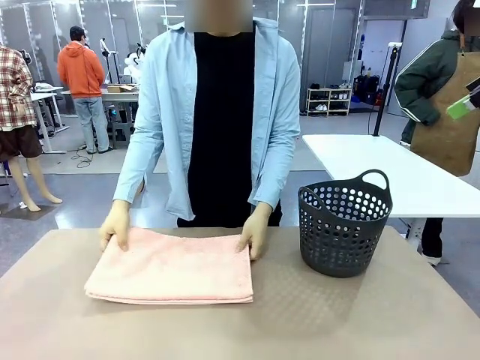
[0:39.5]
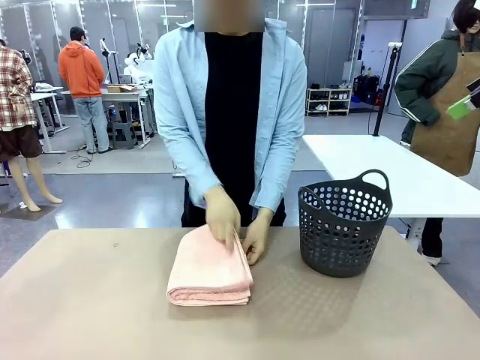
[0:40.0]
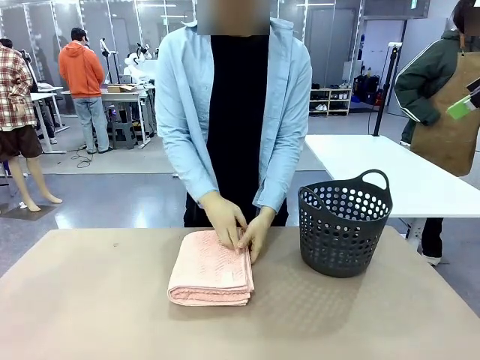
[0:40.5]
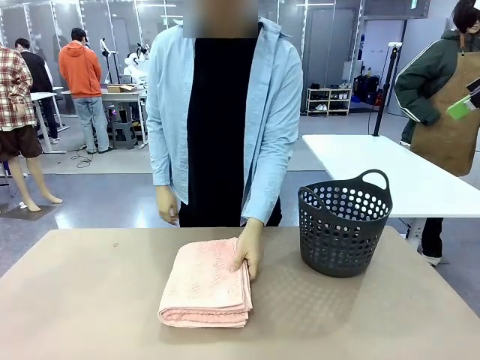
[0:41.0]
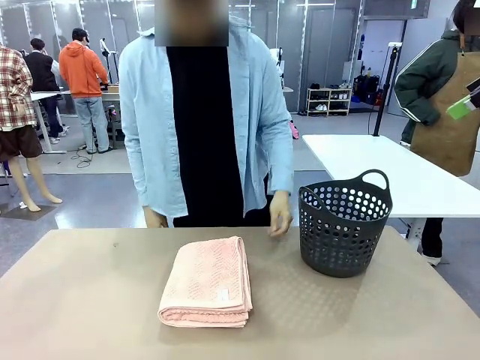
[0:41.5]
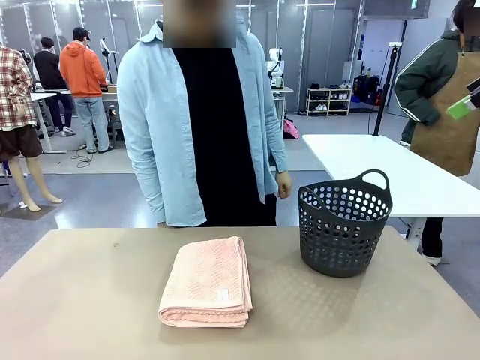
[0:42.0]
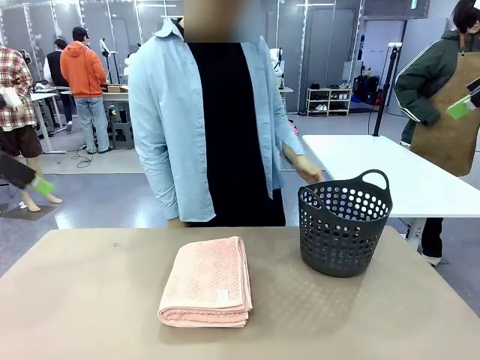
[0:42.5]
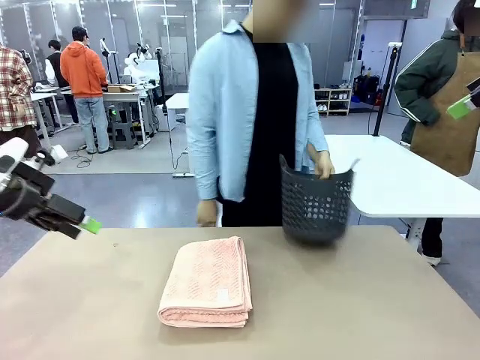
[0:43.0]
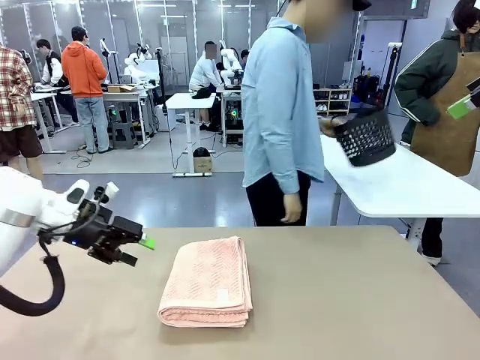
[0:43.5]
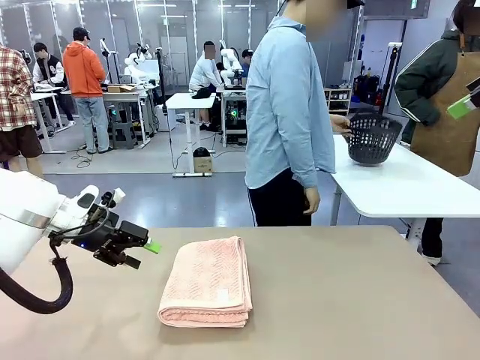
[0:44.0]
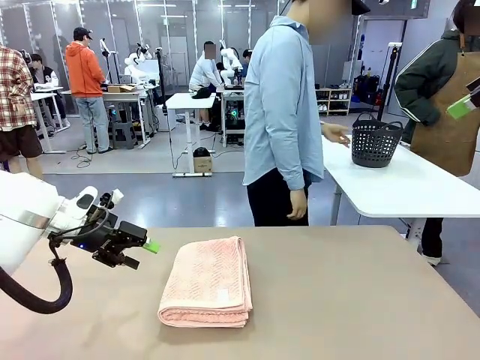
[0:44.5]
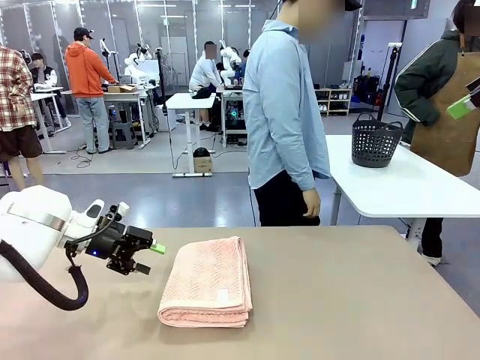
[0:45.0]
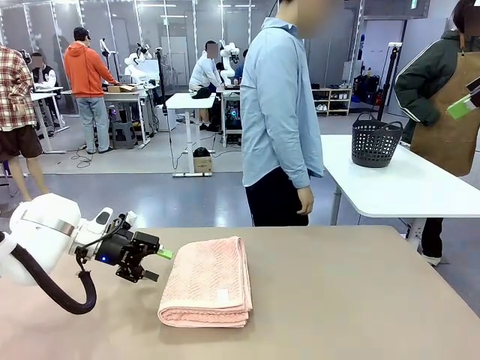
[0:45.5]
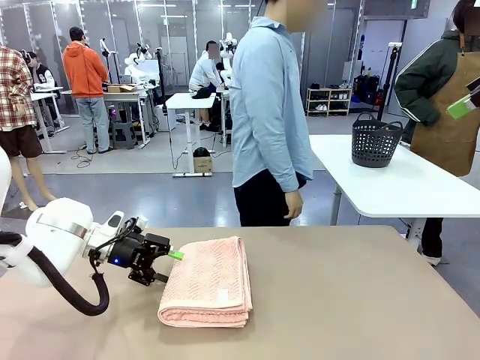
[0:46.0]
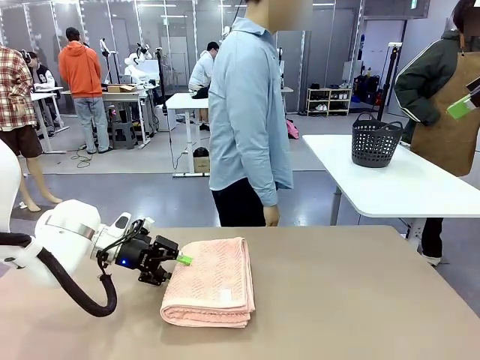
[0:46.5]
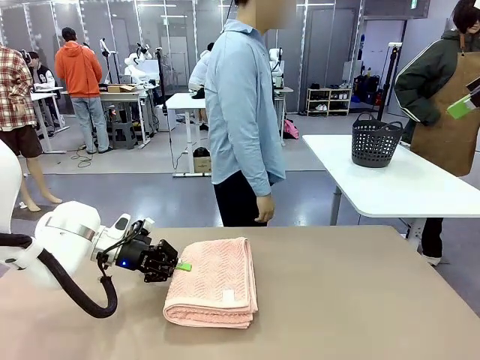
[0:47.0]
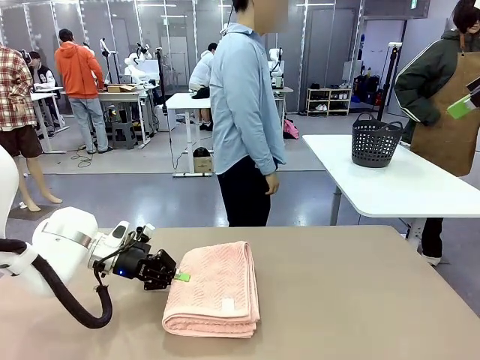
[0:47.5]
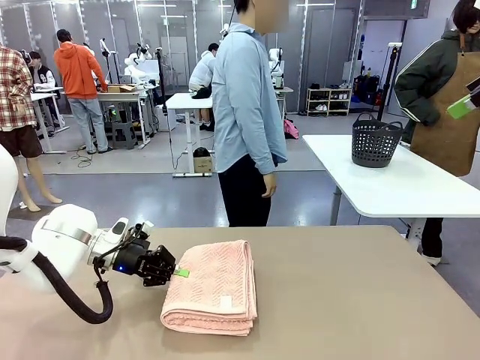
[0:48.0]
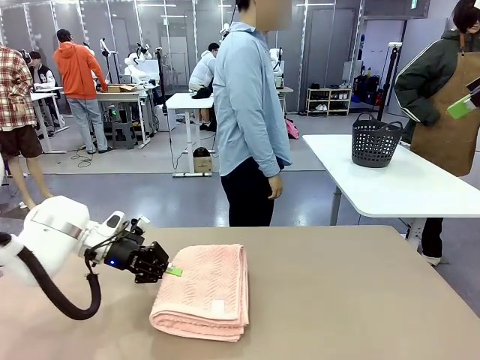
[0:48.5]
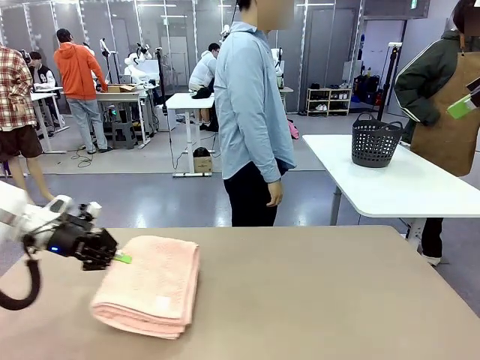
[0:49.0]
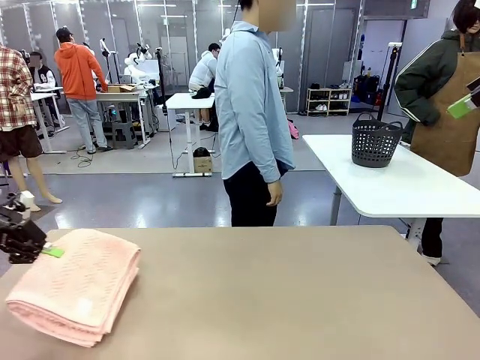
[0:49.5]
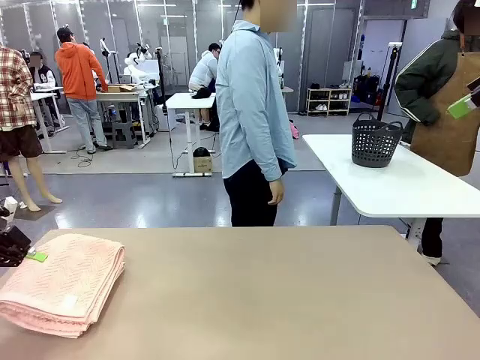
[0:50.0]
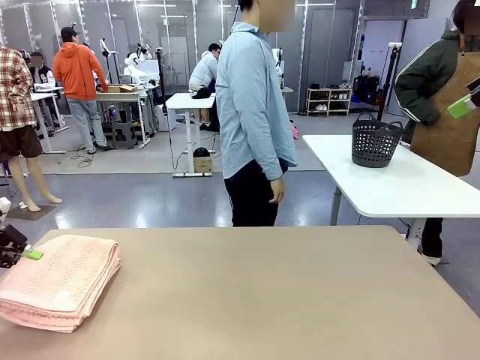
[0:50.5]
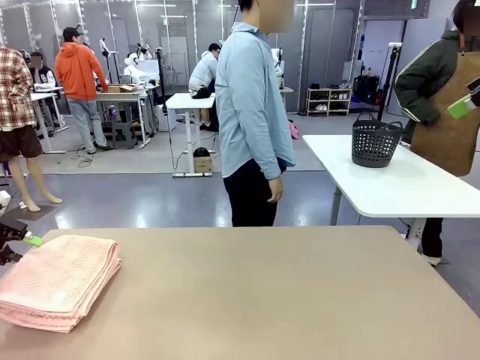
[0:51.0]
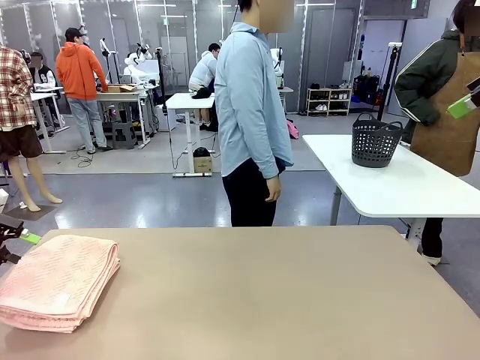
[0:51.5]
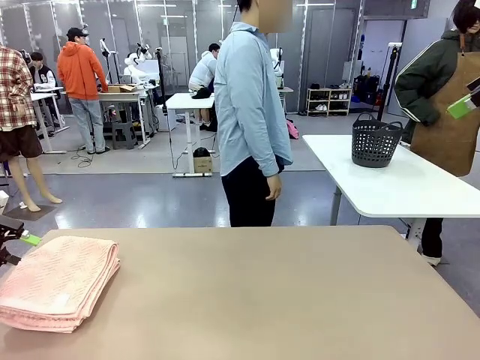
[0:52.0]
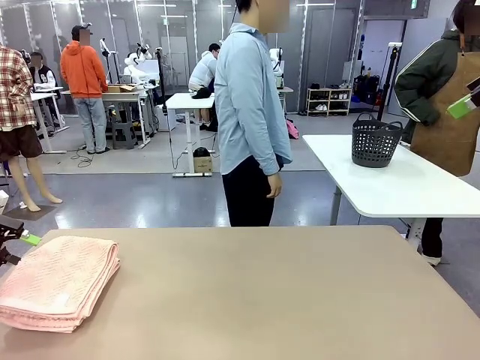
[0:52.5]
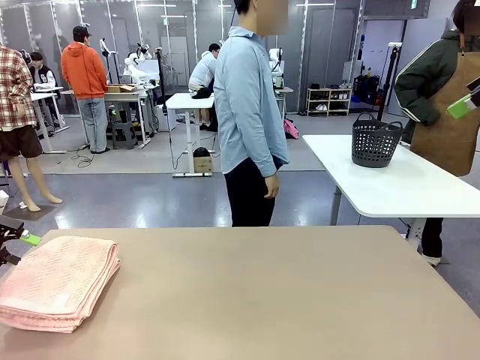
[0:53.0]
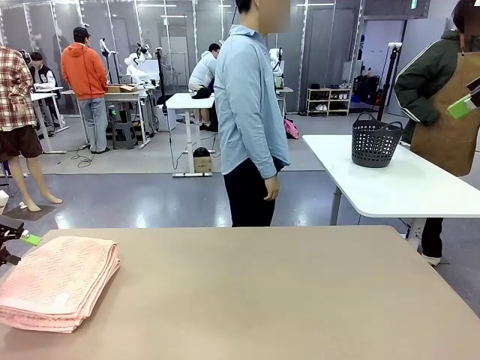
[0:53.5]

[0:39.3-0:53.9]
Task: Fold the towel.
Robot: Pick up the 100 cm Hotel Towel and place it on the left side of the table.
Person: Pick up the laundry basket and place it at the center of the human table.

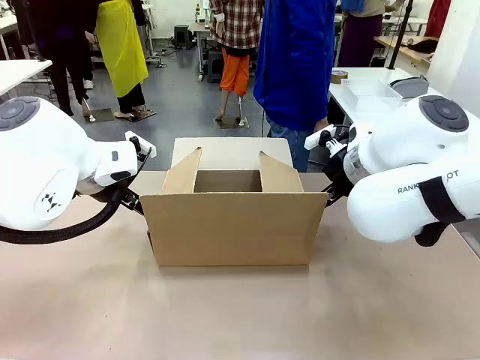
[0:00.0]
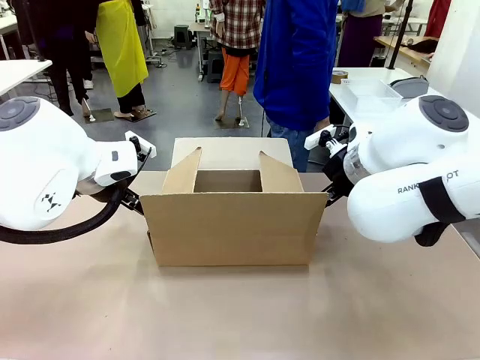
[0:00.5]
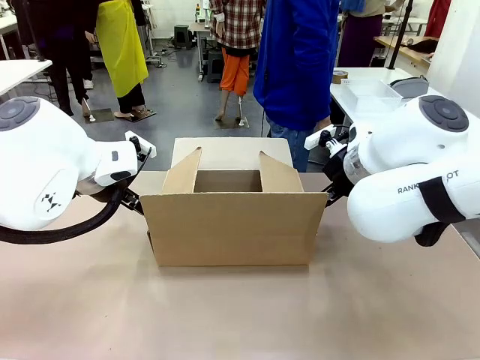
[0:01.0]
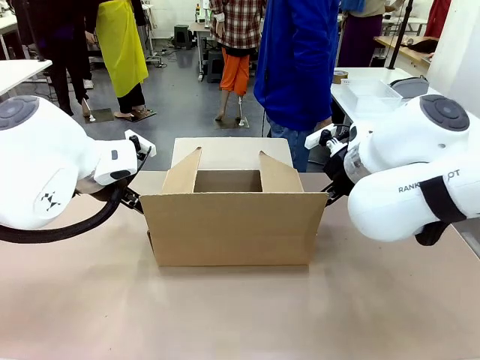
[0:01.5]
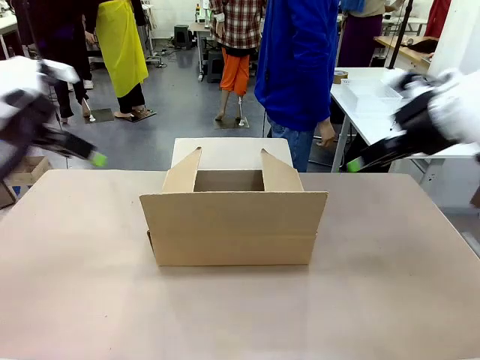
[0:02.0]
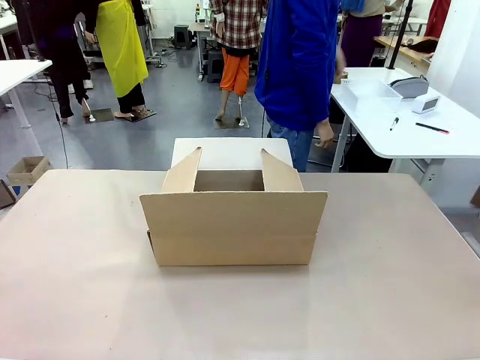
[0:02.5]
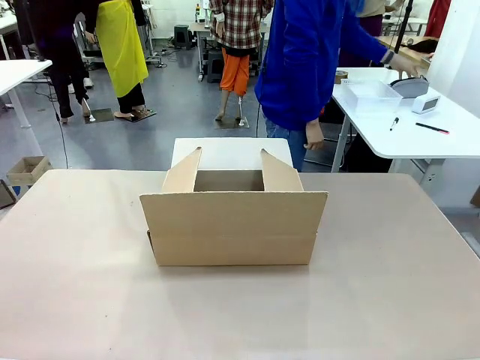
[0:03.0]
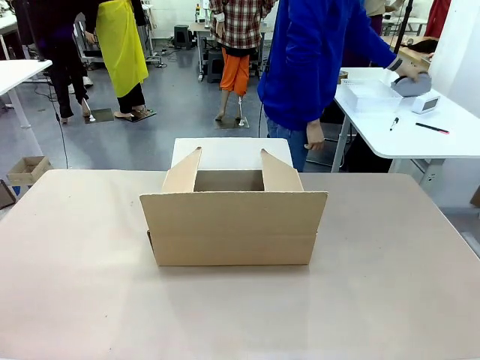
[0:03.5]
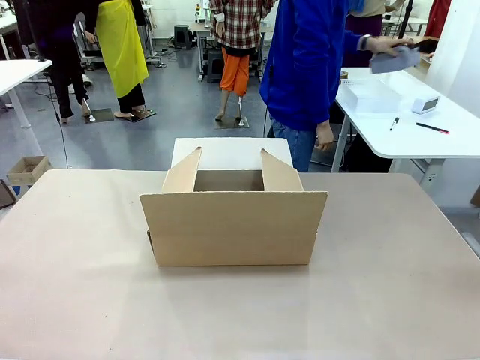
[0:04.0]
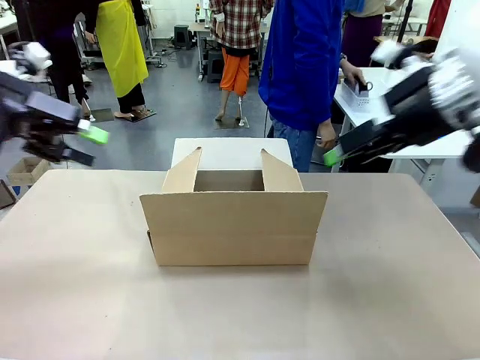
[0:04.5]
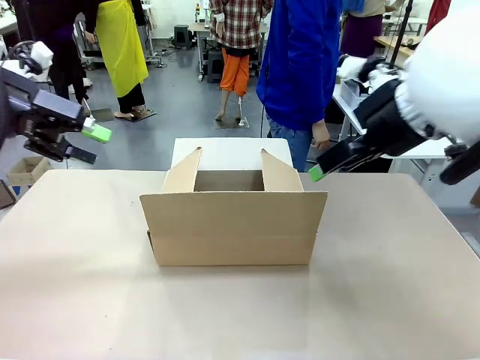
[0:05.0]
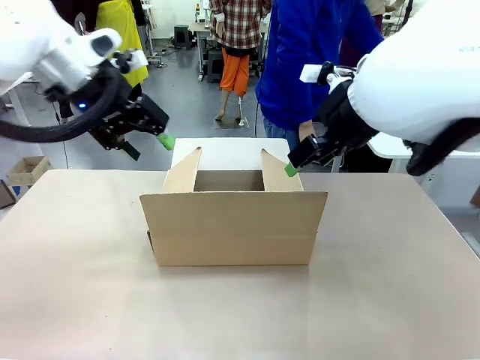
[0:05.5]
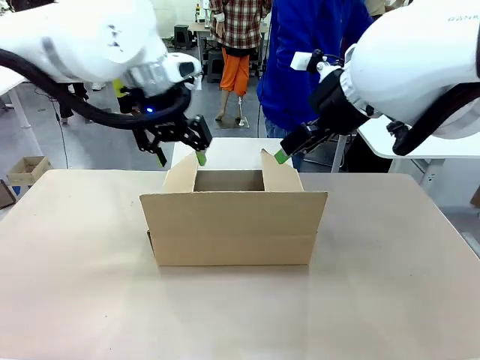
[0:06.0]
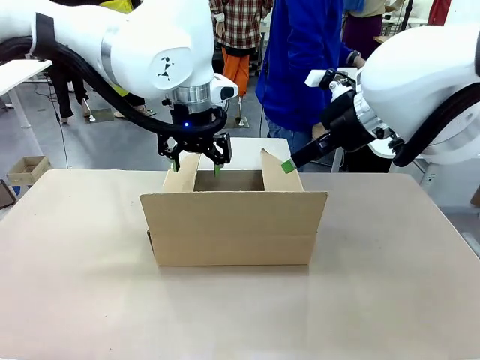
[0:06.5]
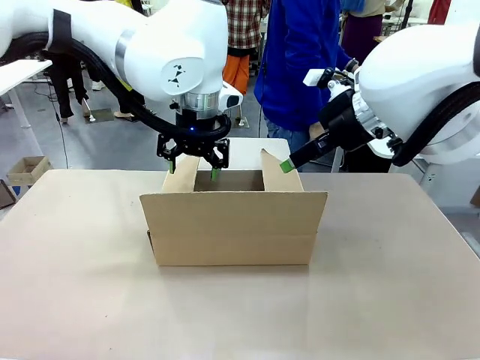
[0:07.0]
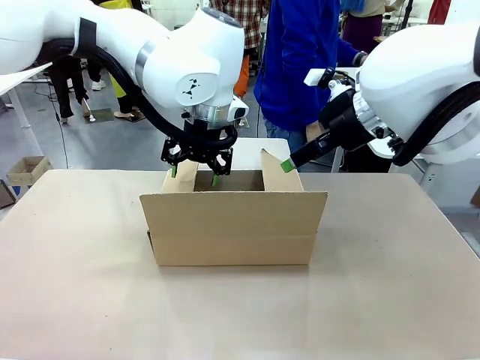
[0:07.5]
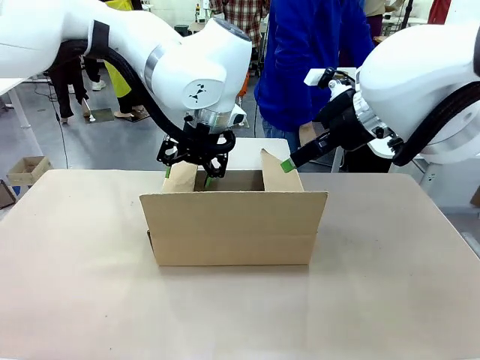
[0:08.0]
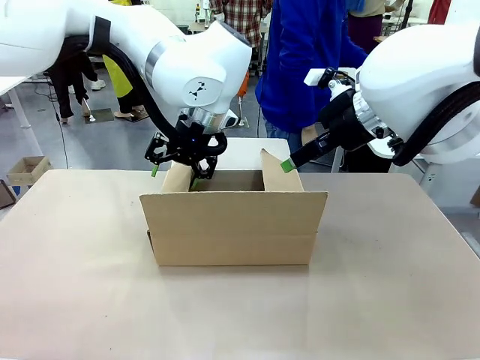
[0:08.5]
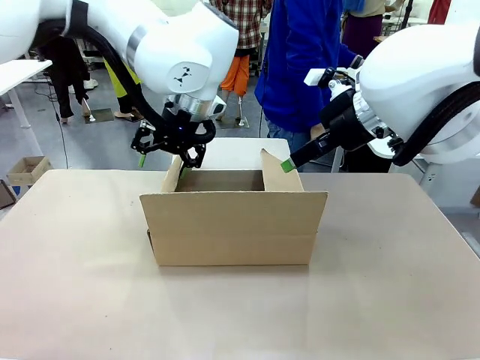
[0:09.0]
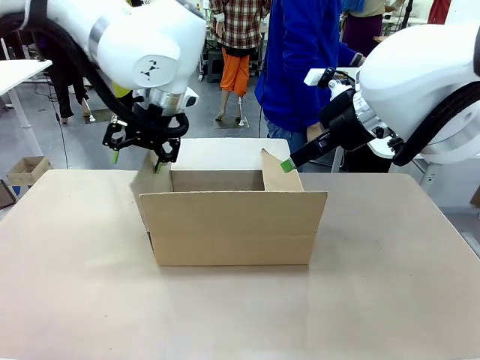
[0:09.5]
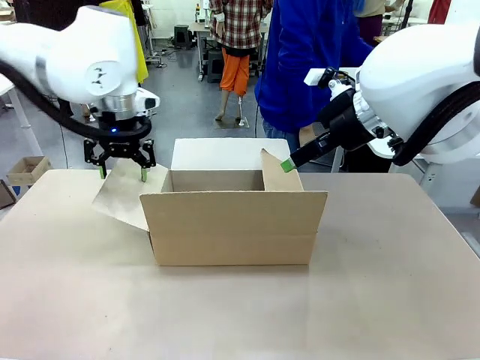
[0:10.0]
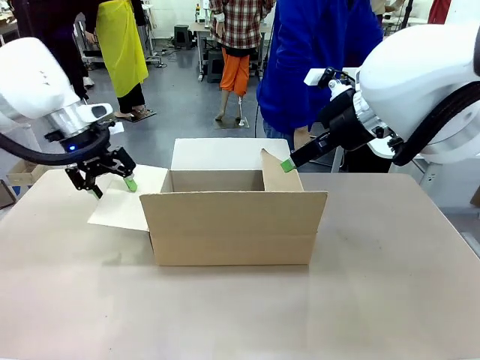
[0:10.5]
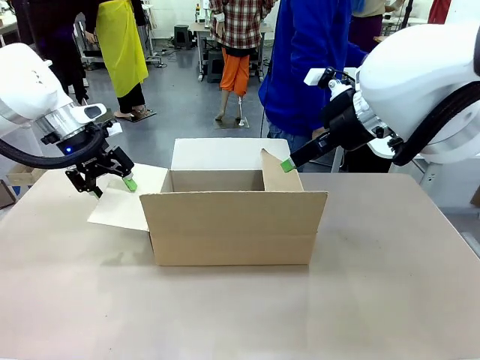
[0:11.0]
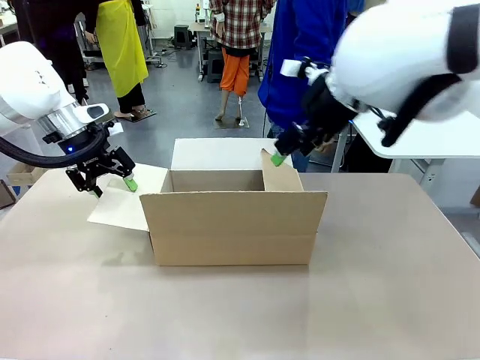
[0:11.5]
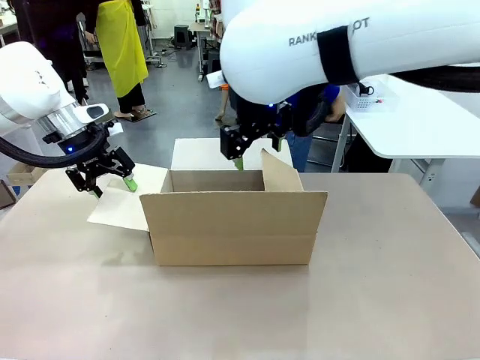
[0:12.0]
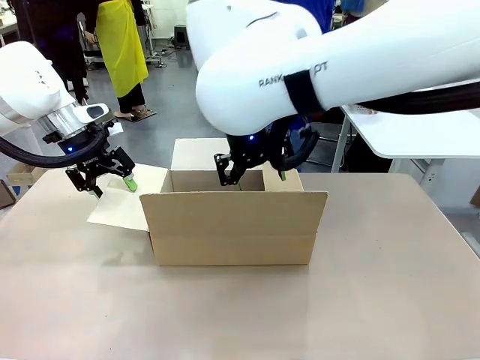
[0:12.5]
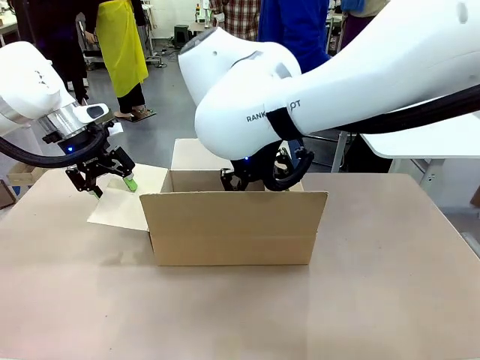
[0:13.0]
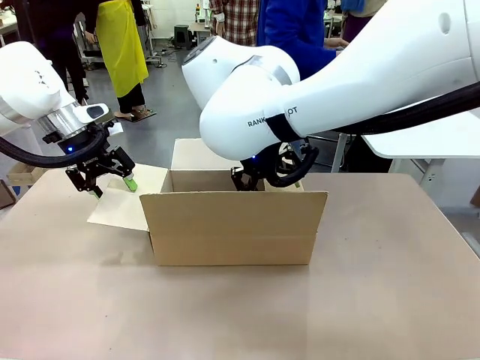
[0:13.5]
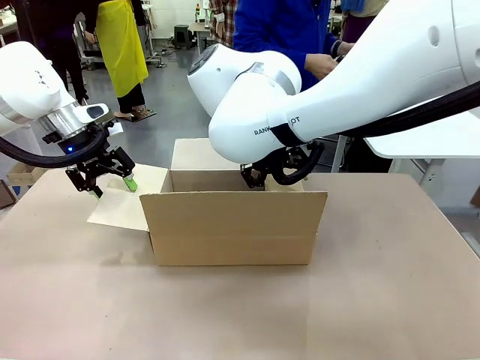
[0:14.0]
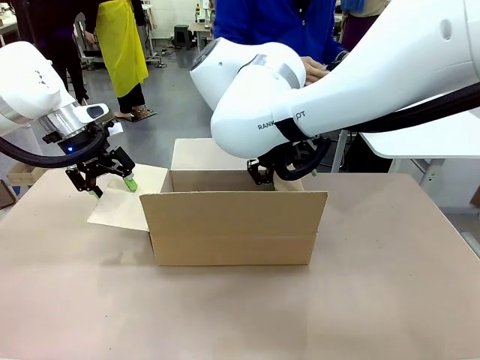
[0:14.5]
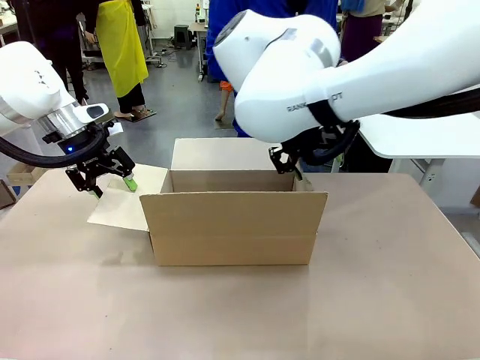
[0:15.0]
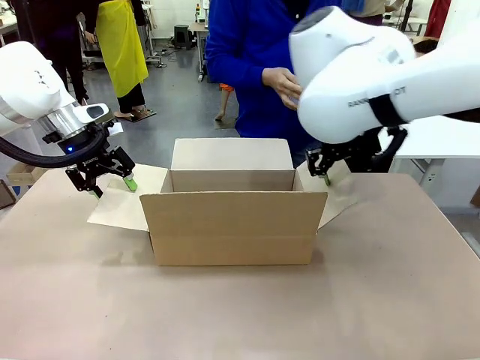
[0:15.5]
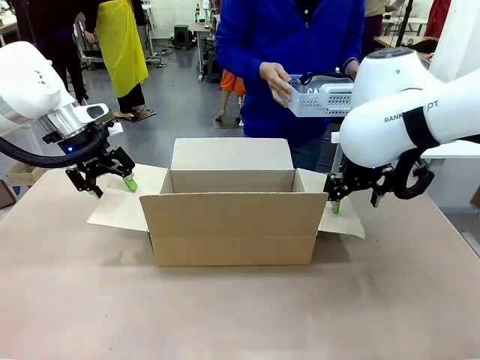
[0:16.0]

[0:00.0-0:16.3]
Task: Pack the gift set into the box.
Robot: Place both hands on the side flaps of the Package Box and spread them outward.
Person: The human places all items except the paper tape into the organizing basket.
